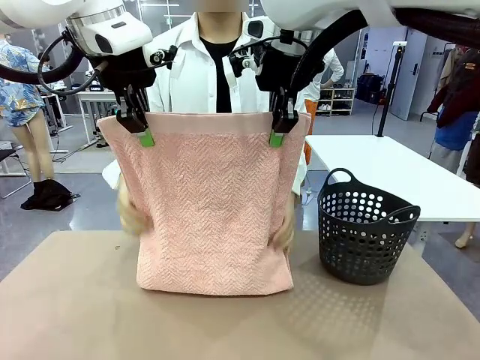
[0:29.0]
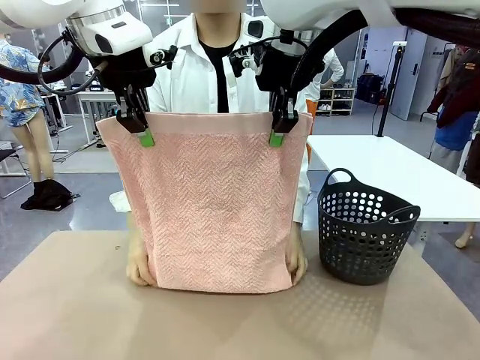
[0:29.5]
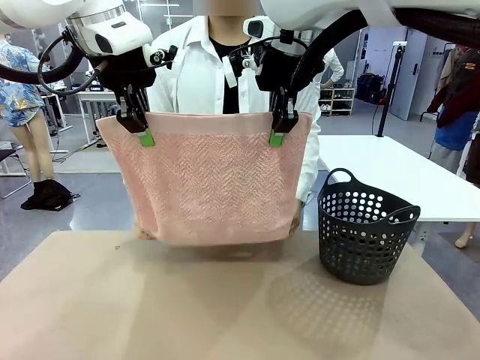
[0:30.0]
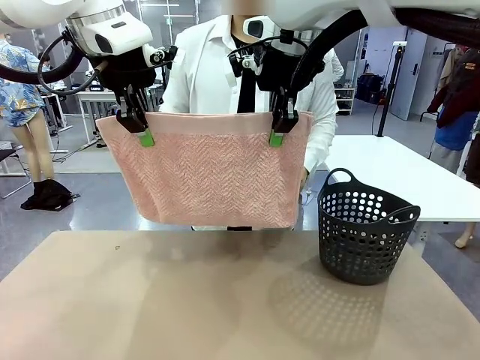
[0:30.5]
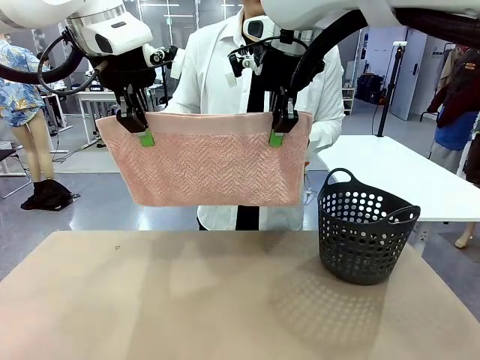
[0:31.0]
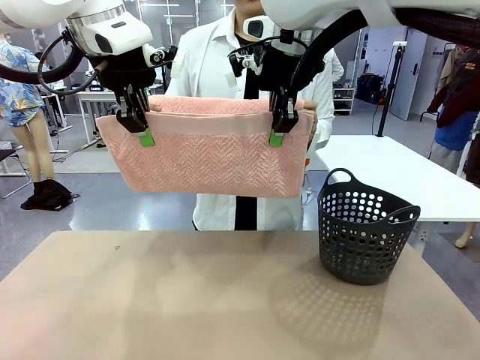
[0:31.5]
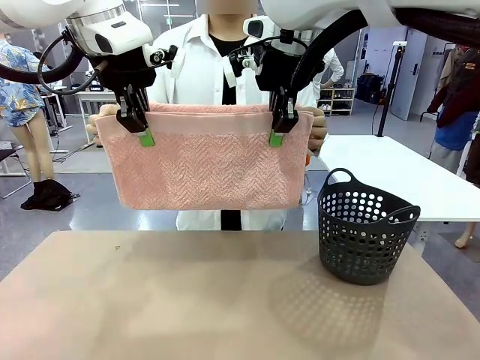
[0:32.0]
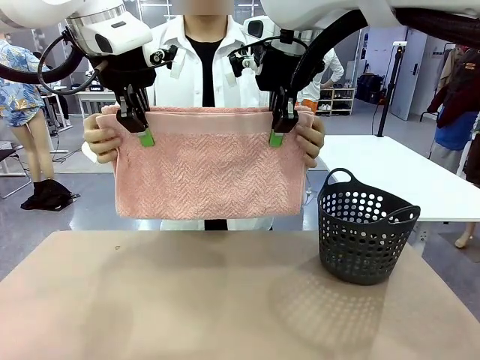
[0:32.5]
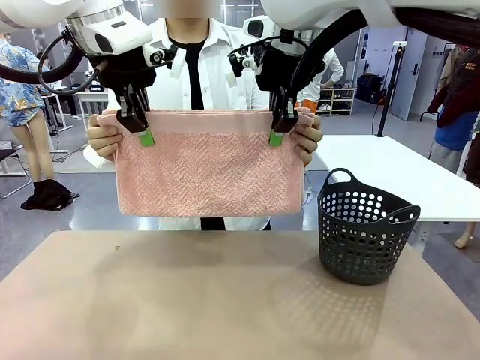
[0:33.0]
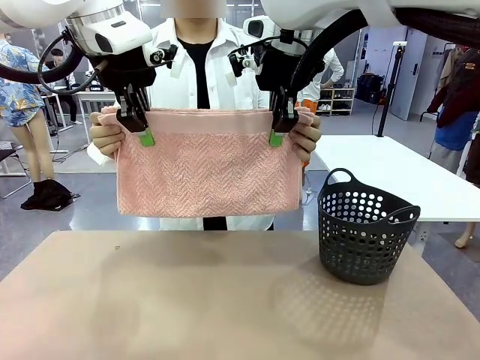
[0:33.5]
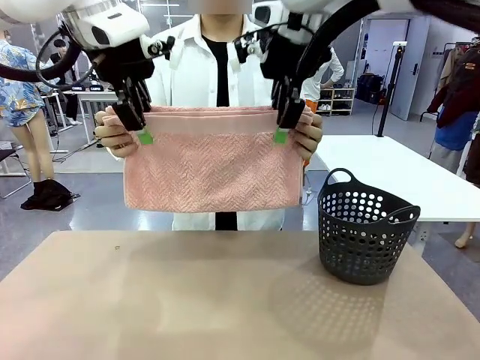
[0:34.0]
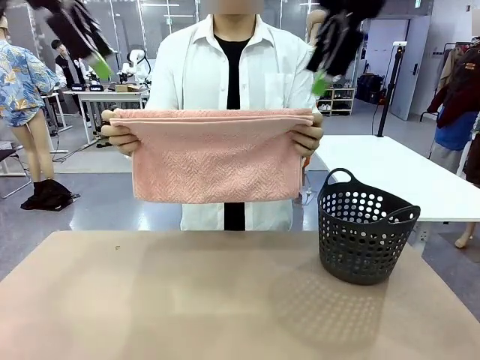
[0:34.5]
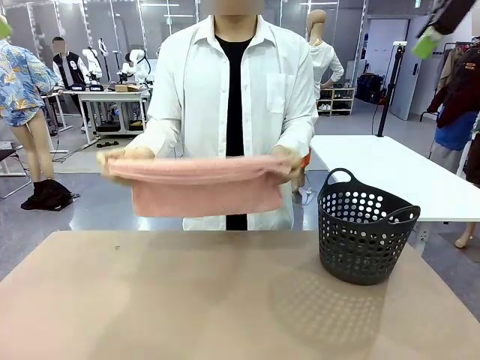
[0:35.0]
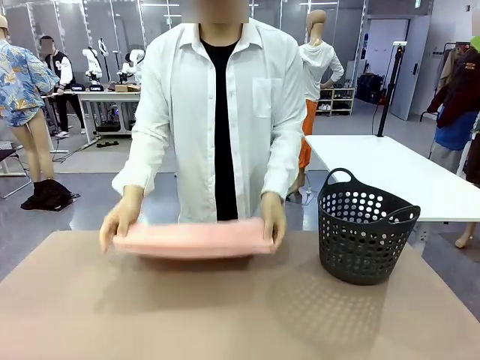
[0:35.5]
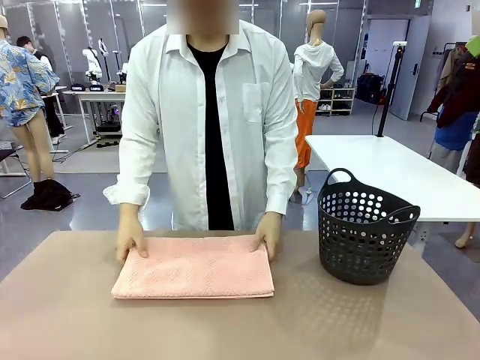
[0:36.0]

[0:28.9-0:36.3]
Task: Fold the towel.
Robot: Release the end of the 100 cm Hotel Towel you were holding.
Person: Place the towel at the center of the robot table and fold it in half.

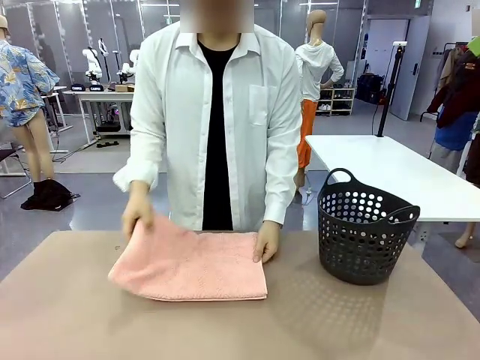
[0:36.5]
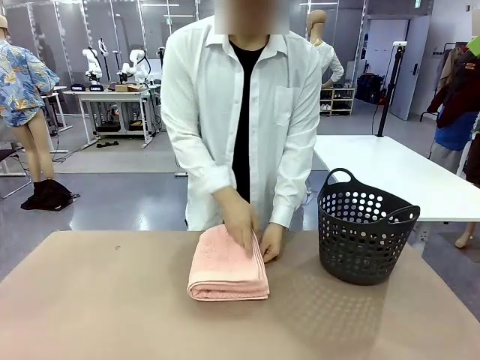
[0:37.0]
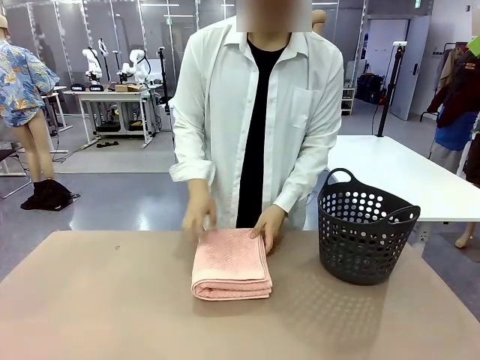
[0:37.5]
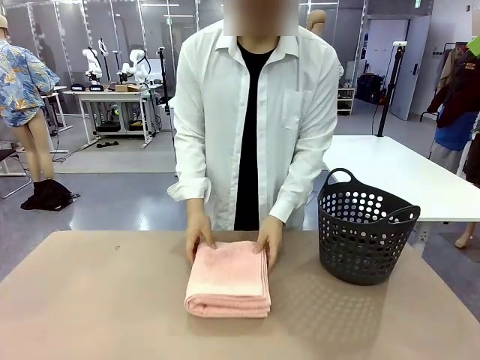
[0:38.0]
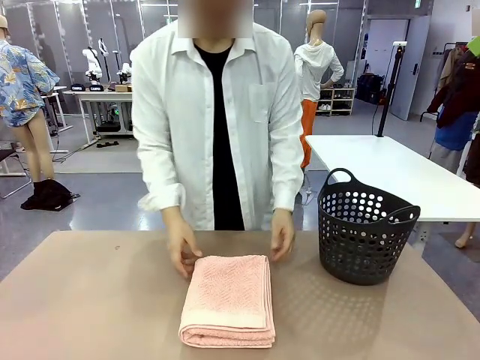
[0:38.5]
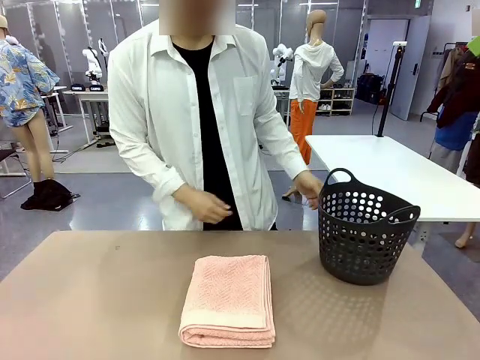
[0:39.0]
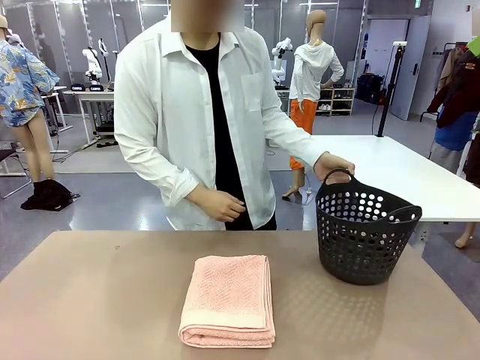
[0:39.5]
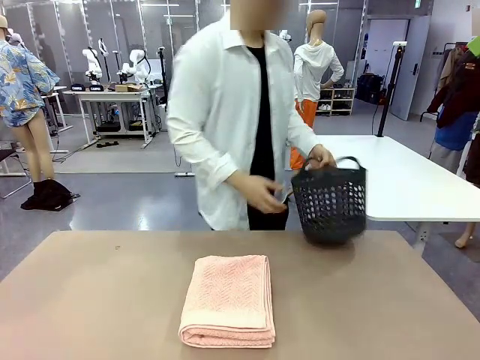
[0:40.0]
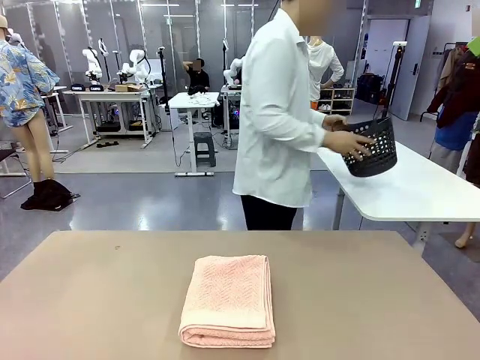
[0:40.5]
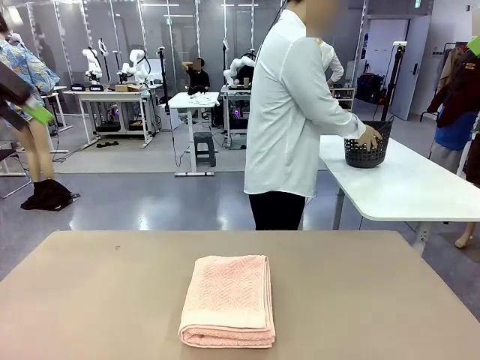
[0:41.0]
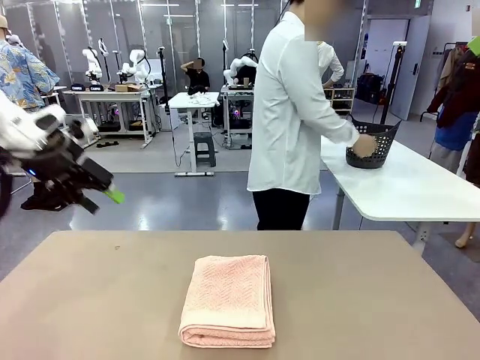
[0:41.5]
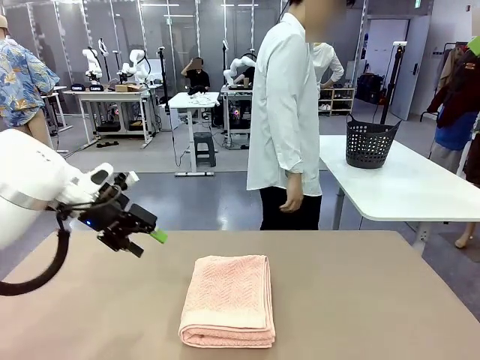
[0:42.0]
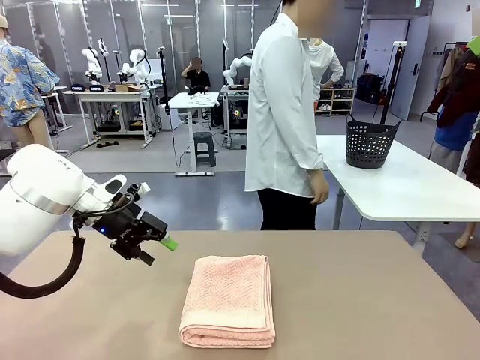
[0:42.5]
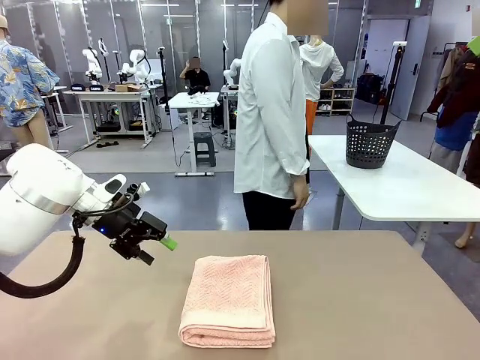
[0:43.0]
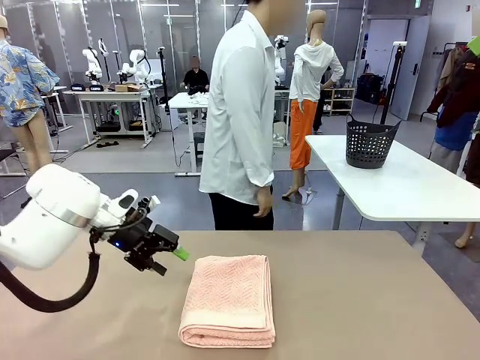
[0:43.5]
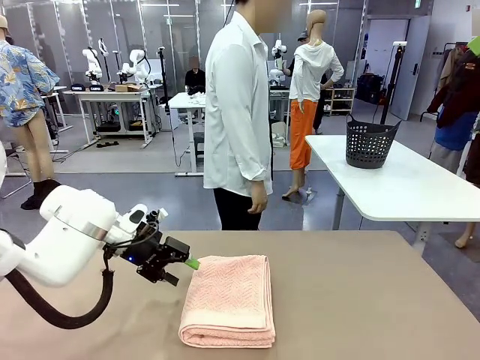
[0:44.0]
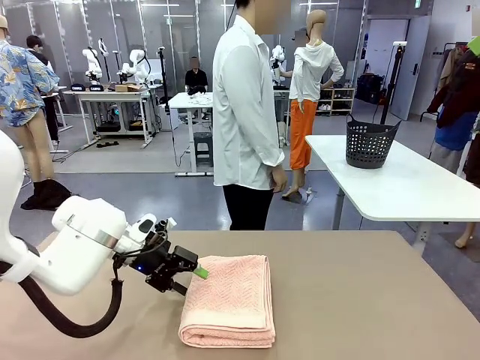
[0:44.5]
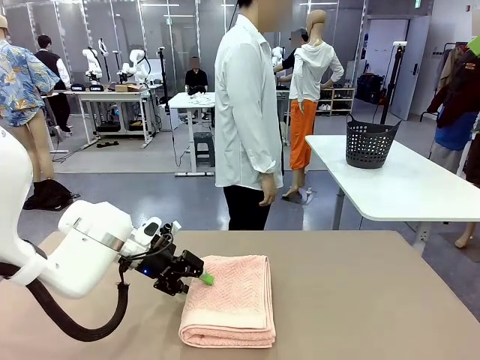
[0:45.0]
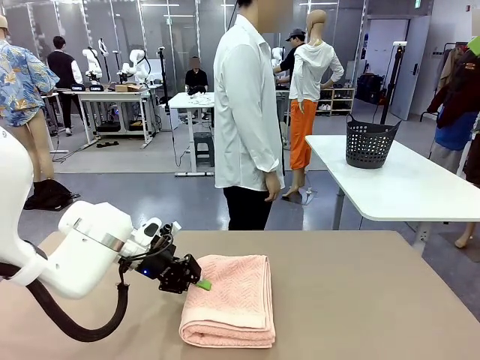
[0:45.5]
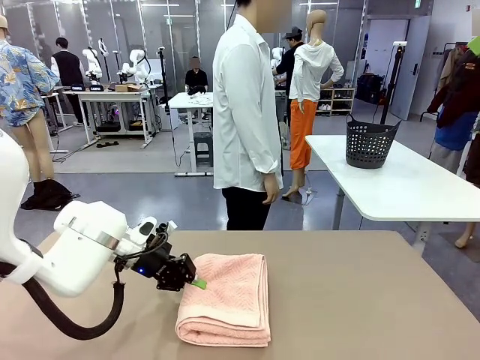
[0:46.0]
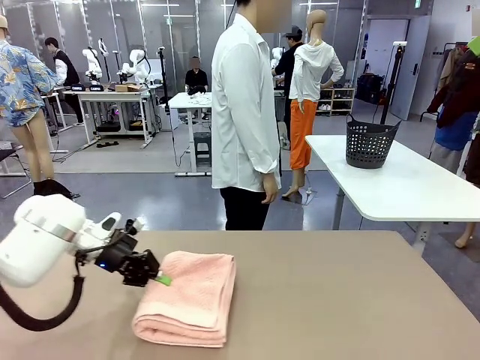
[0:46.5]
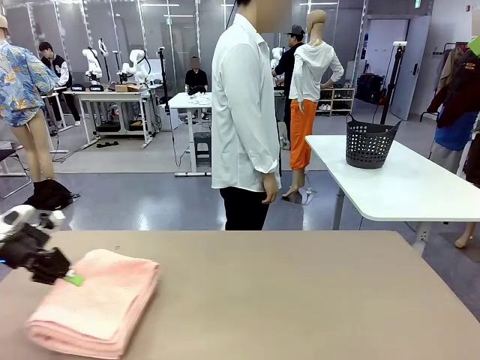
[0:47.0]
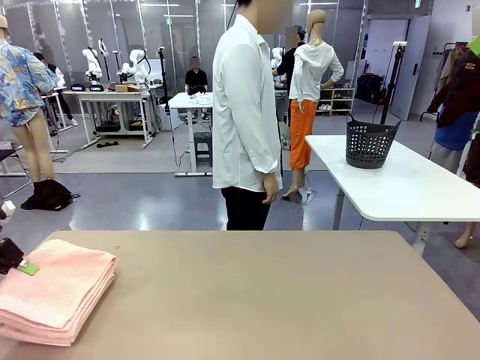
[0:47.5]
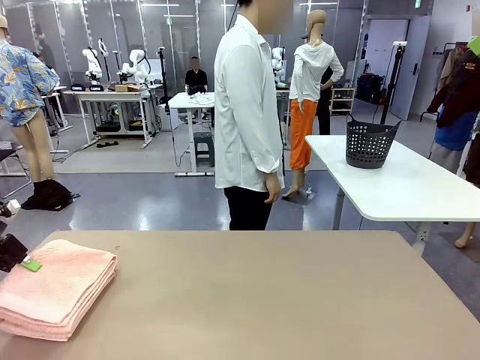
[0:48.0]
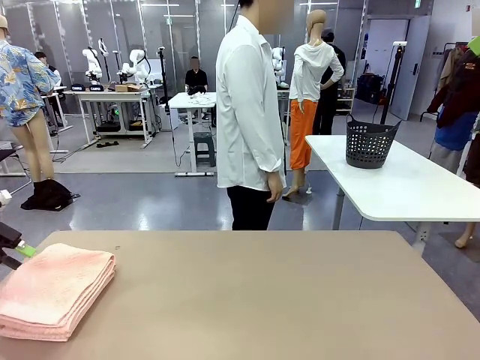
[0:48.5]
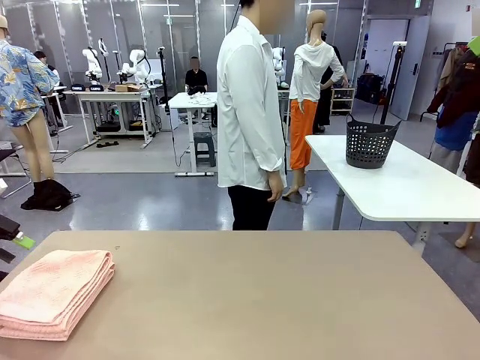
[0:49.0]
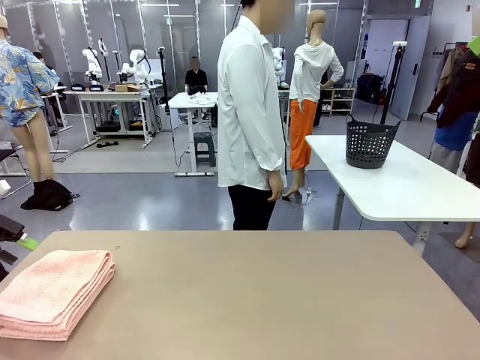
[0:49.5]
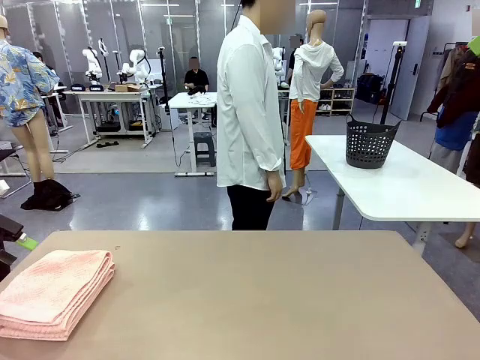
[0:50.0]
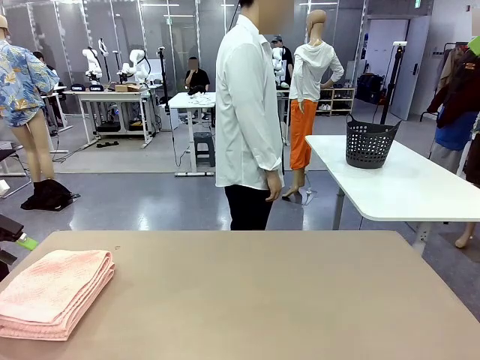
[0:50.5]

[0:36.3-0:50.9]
Robot: Pick up the 100 cm Hotel Towel and place it on the left side of the table.
Person: Pick up the laundry basket and place it at the center of the human table.

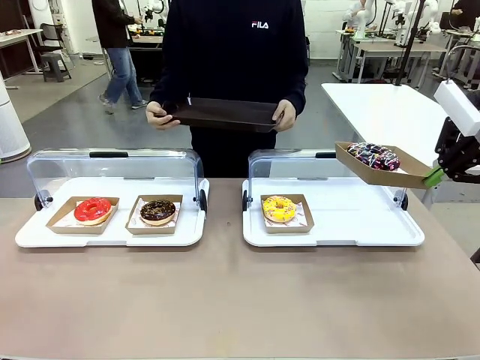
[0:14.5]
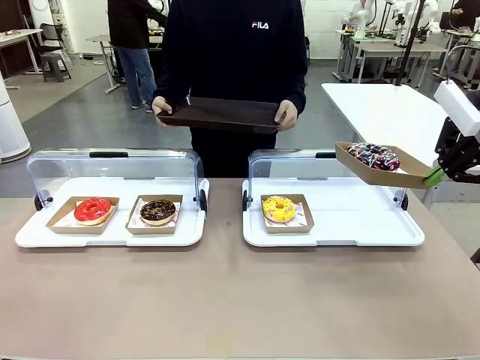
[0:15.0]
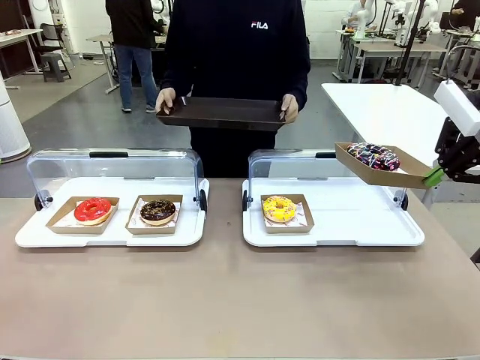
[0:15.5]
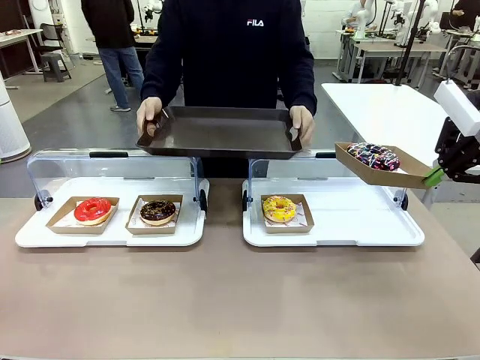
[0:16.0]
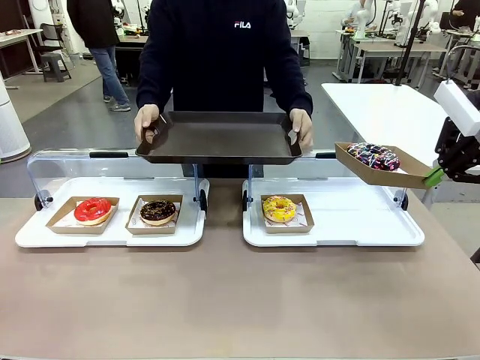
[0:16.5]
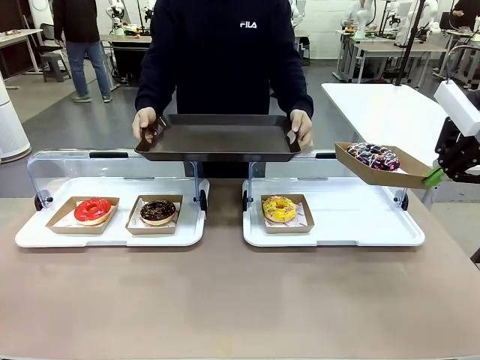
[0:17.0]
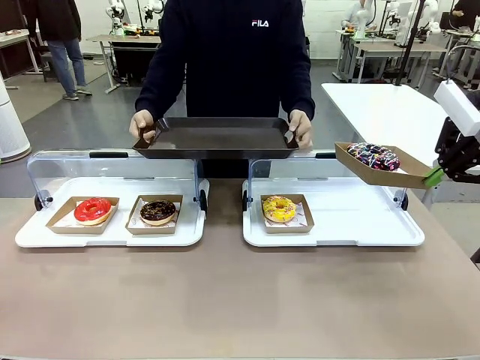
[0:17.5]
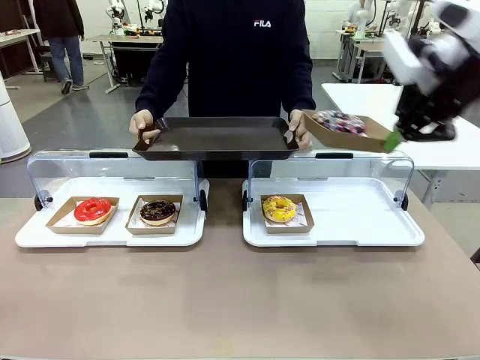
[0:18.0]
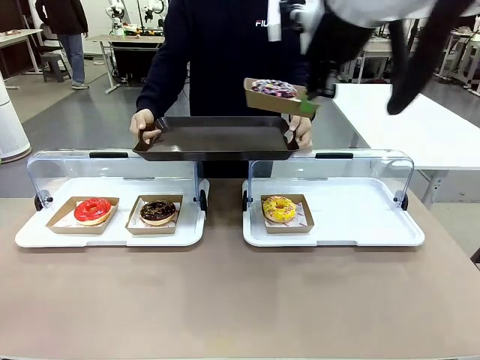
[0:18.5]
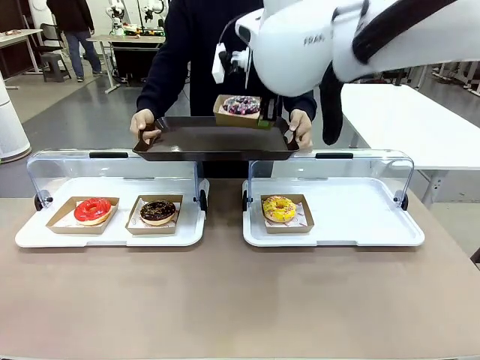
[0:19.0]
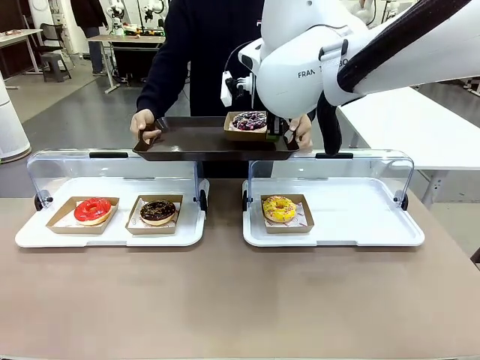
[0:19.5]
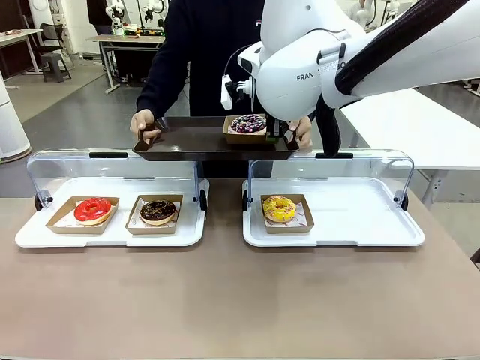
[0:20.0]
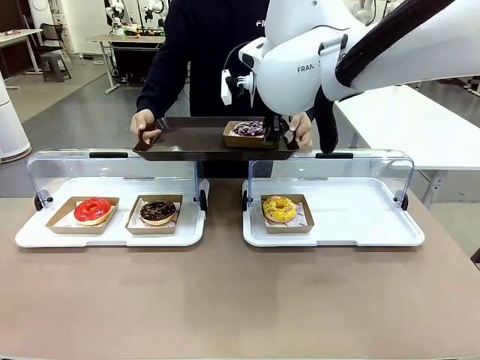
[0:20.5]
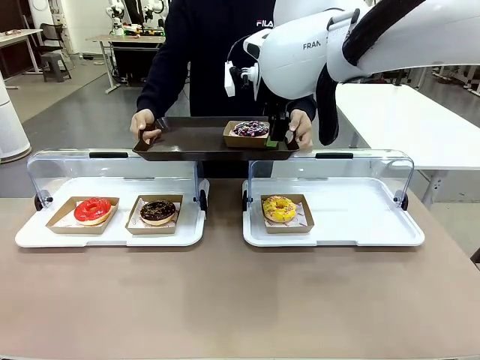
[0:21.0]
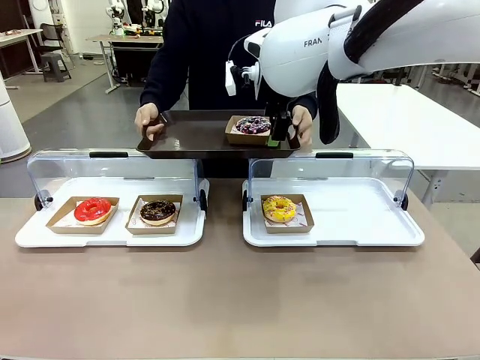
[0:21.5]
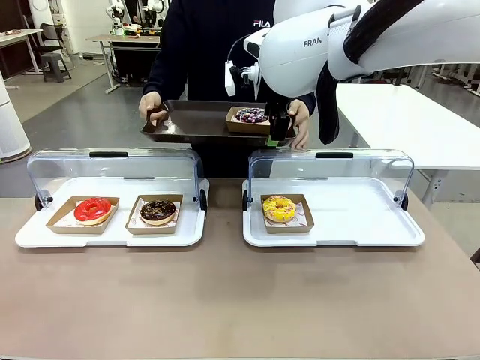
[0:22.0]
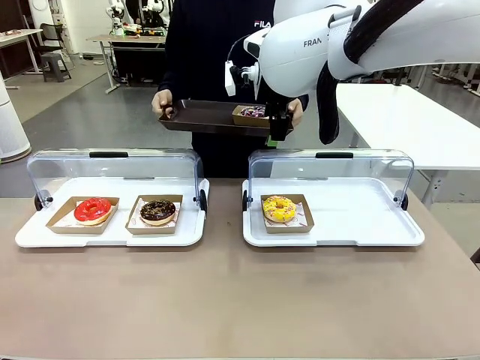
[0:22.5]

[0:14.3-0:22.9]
Task: Provide the desired donut to the person.
Robot: Place the picked Paper togo box onto the Handle tray extended by the person.
Person: Point to one donut.
